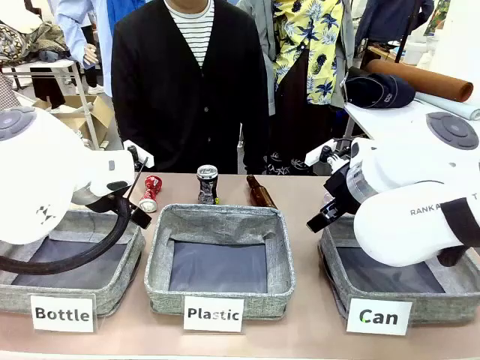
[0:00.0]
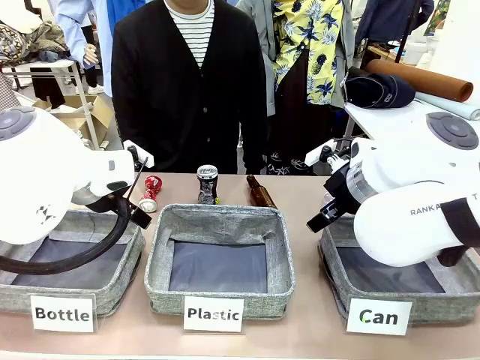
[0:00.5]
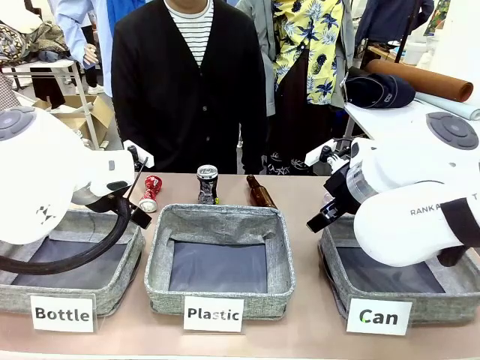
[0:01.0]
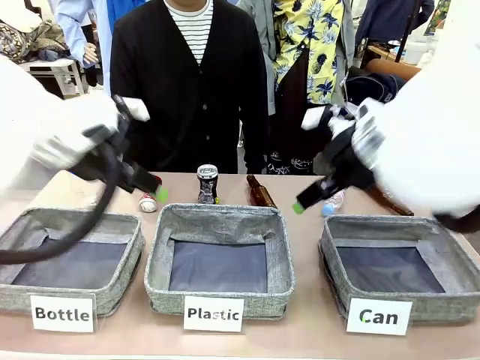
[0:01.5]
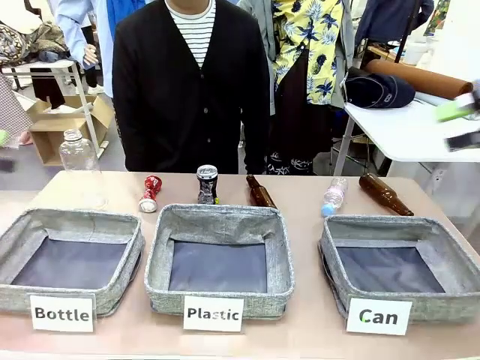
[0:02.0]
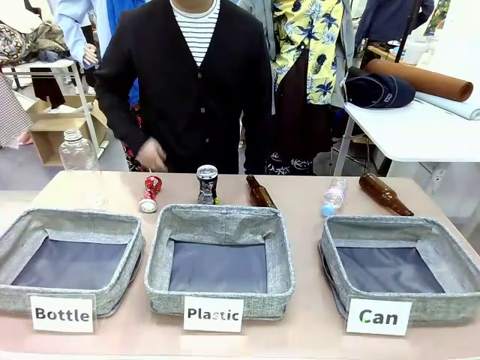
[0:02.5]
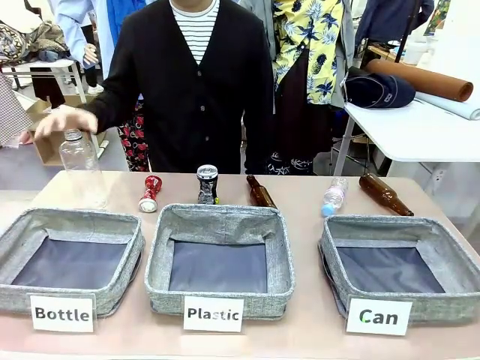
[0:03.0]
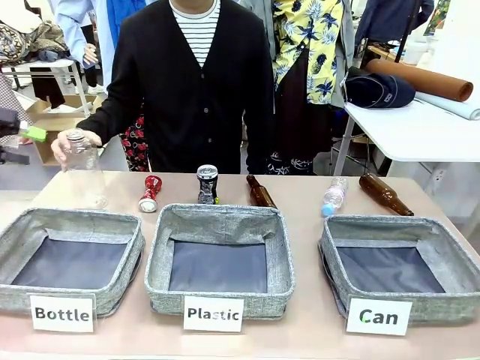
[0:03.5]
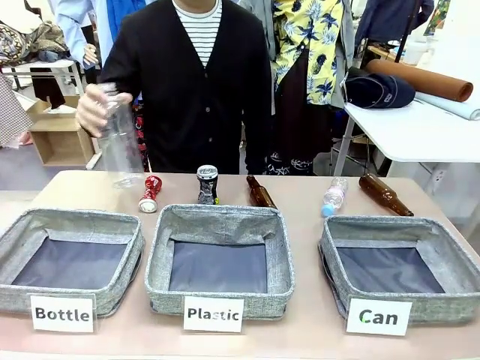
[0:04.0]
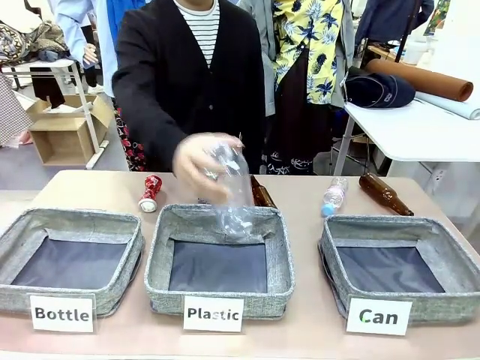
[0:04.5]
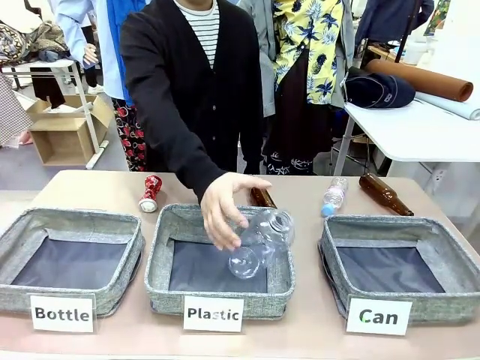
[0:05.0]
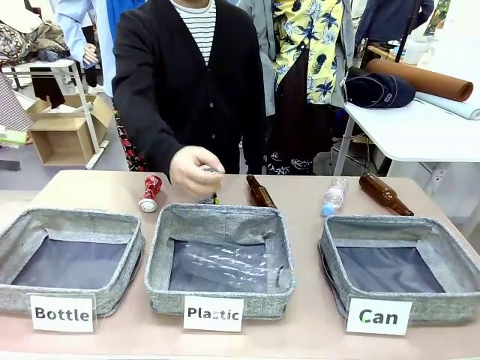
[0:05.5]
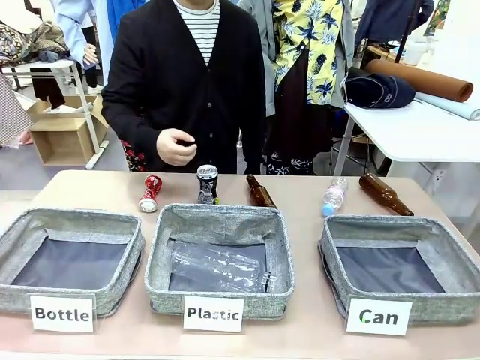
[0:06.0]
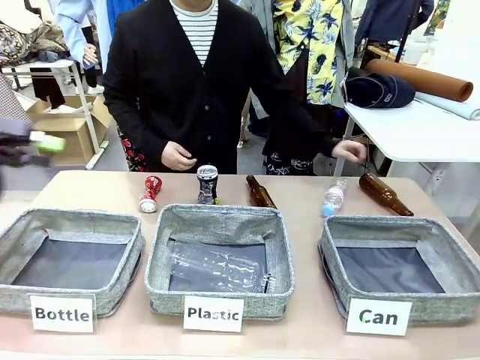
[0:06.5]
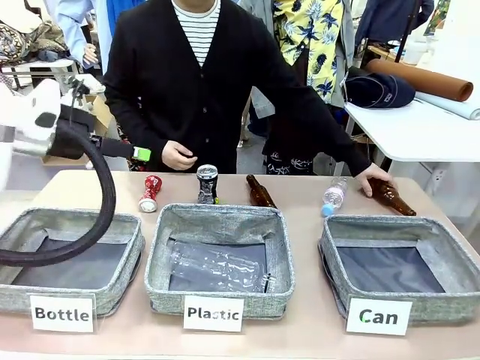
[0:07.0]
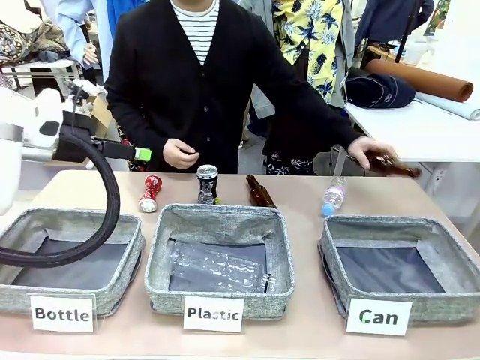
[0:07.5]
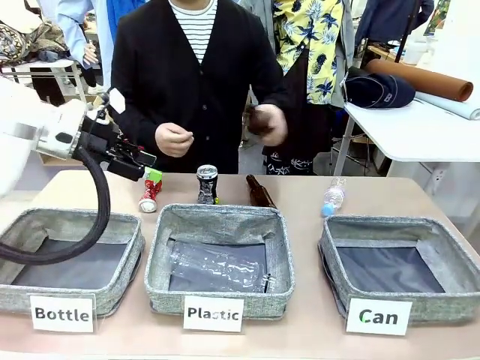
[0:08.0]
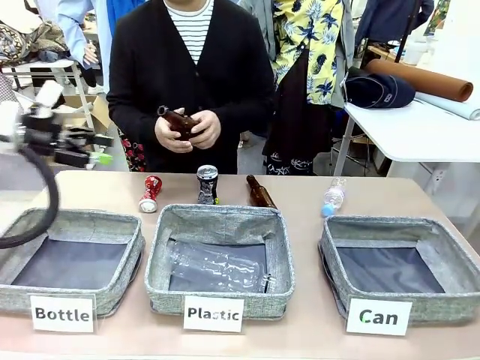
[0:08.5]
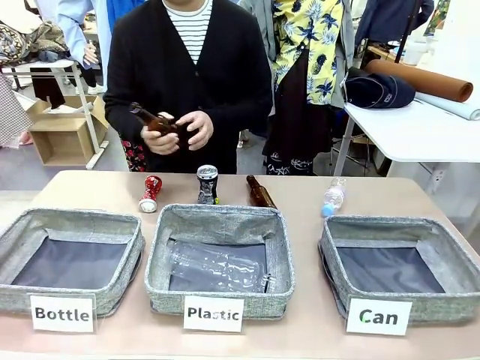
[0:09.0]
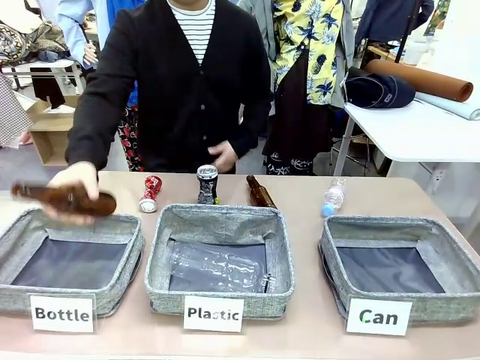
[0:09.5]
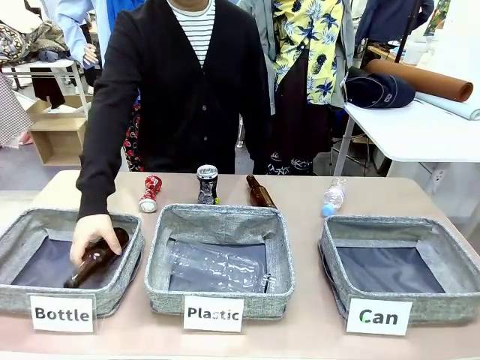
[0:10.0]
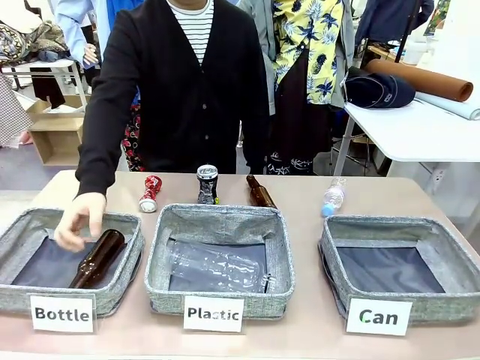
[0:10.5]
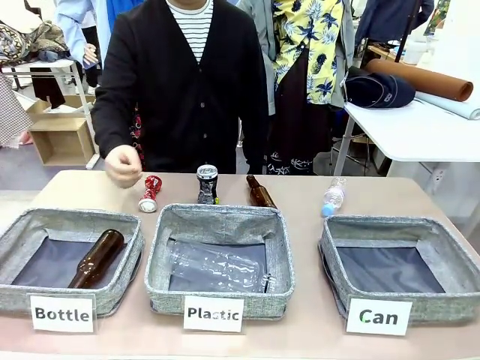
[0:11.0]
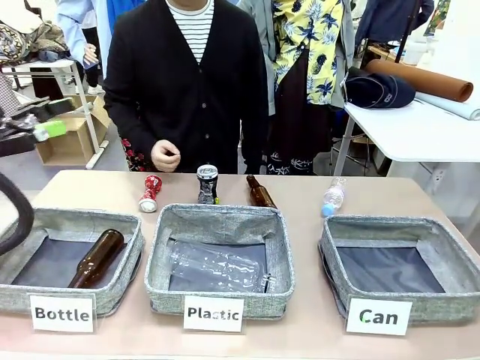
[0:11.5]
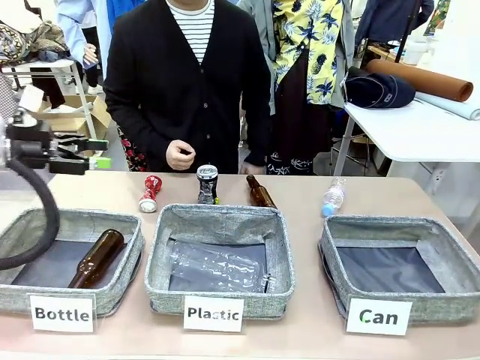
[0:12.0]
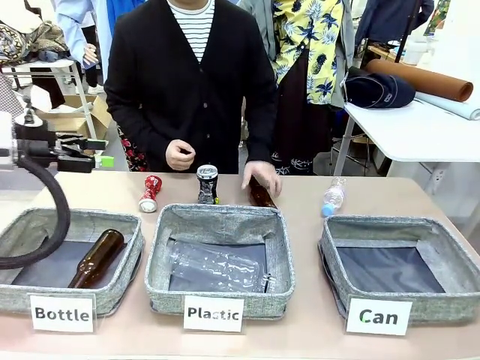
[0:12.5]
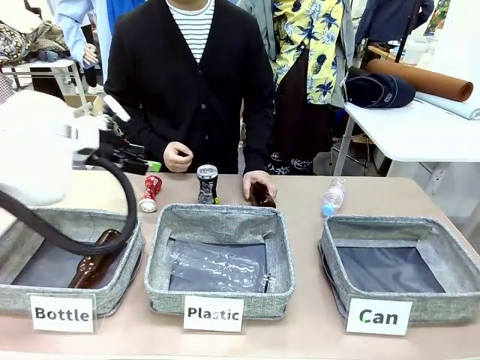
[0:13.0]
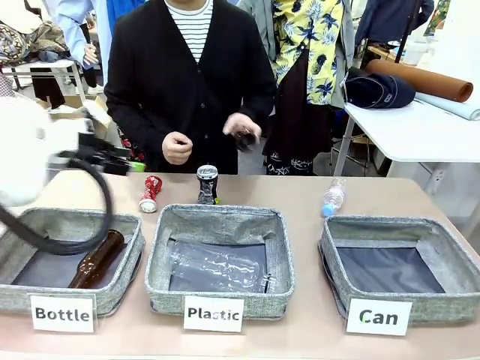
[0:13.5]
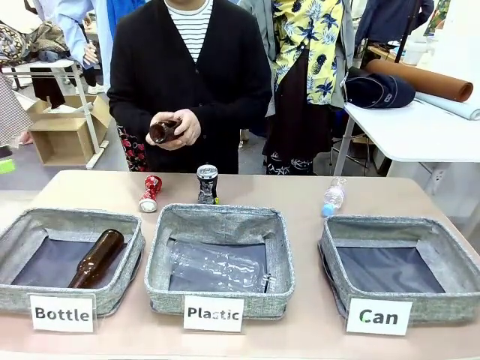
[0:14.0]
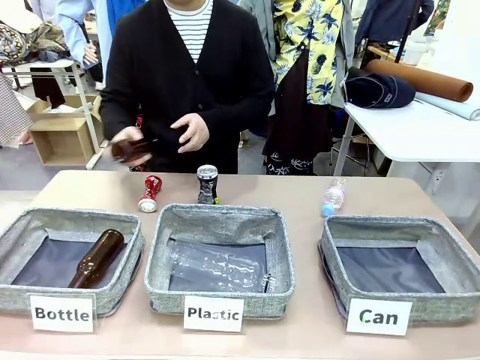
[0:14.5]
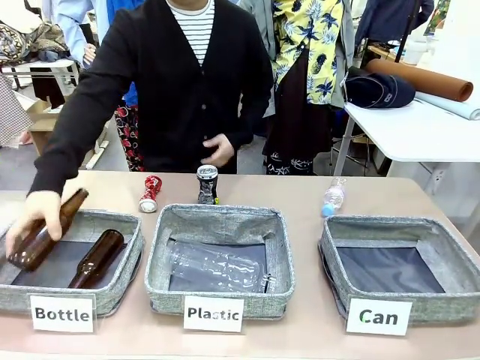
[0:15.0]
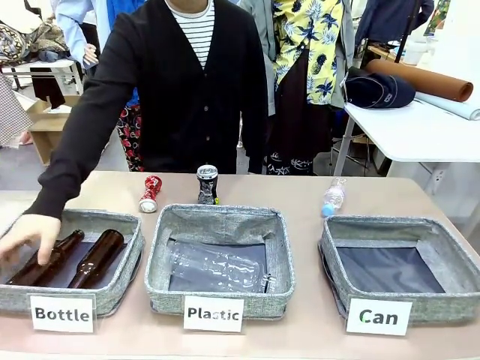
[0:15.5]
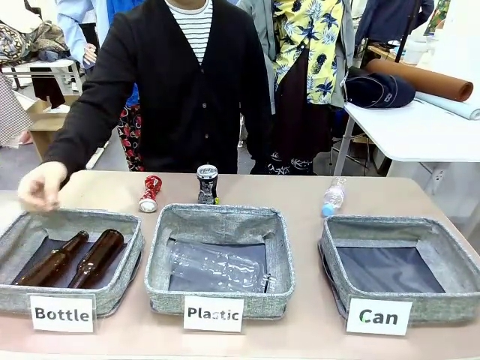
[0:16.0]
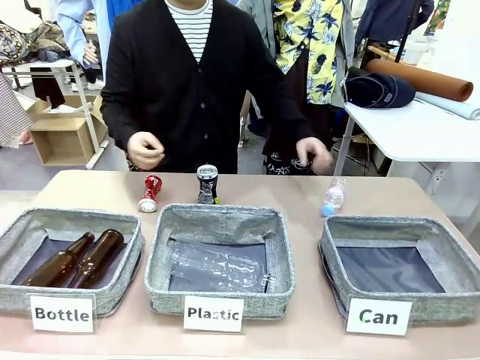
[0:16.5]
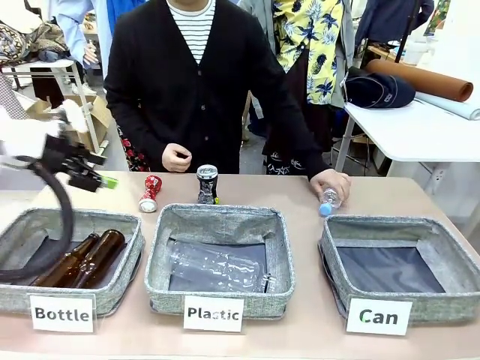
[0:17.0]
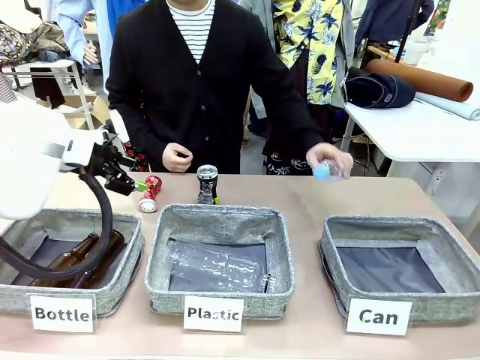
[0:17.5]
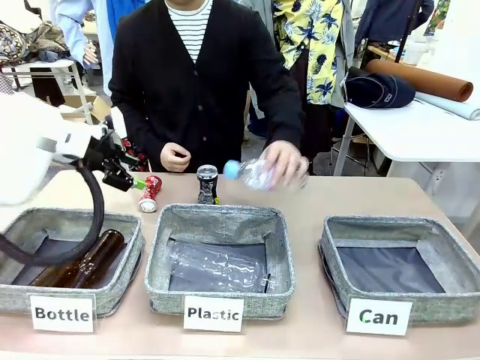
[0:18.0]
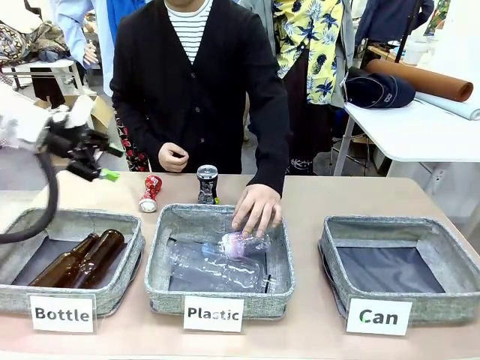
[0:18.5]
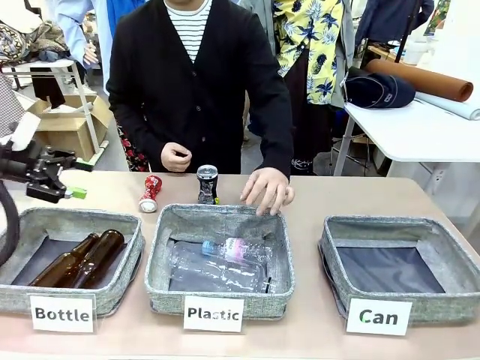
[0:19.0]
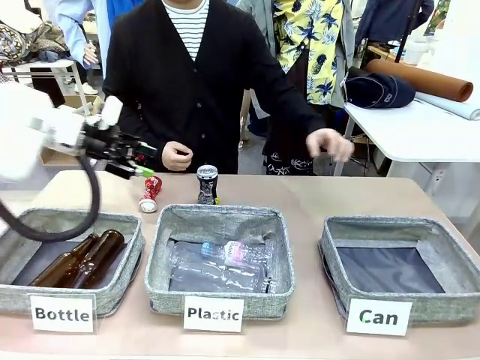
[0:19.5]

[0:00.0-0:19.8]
Task: Sort the can waste into the basket.
Robot: Pick up the can waste from the table and place it in the right Fabric basket.
